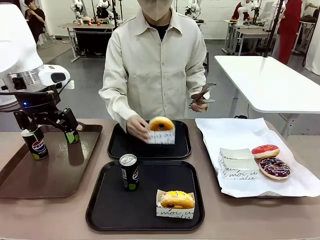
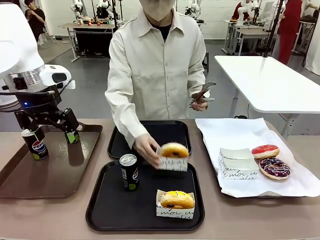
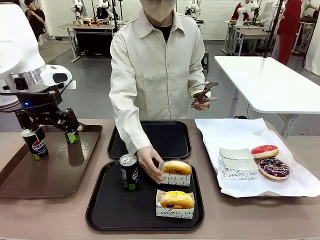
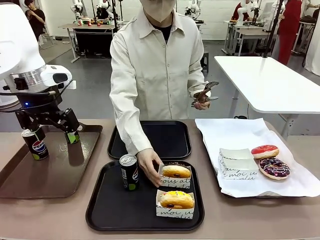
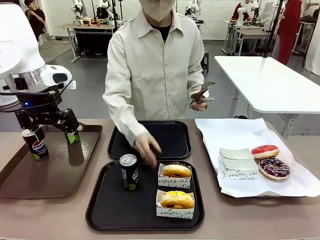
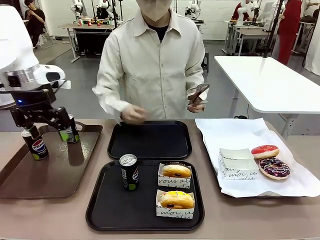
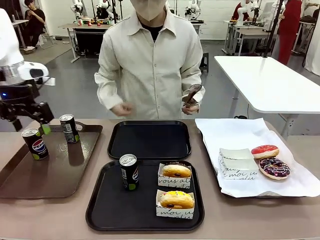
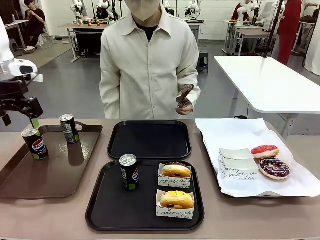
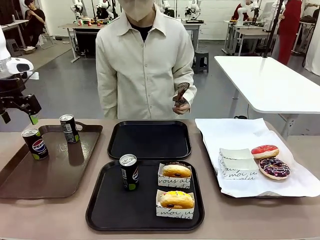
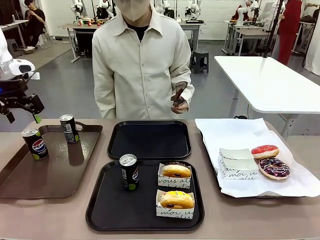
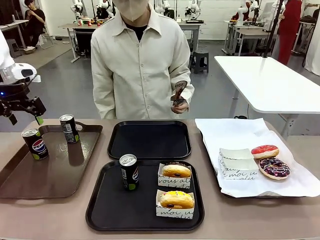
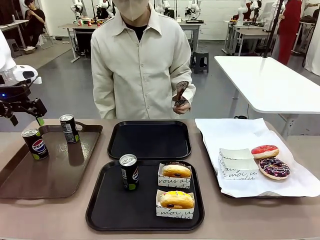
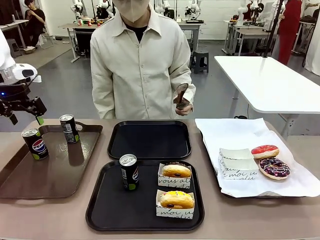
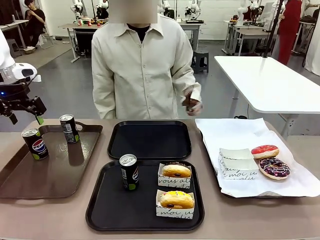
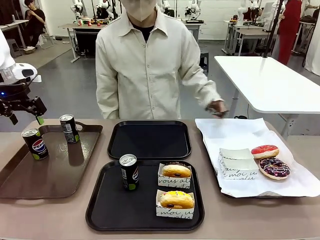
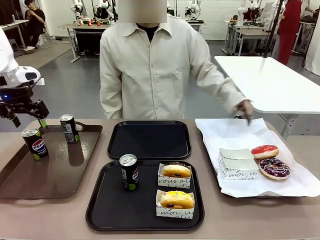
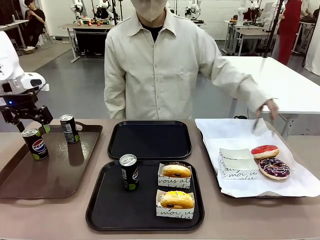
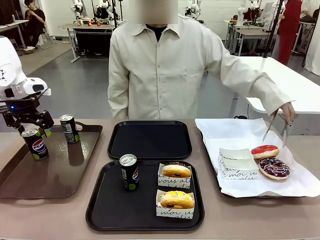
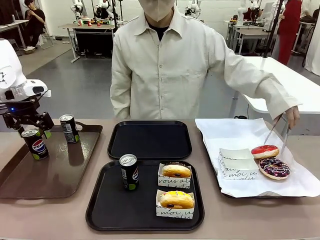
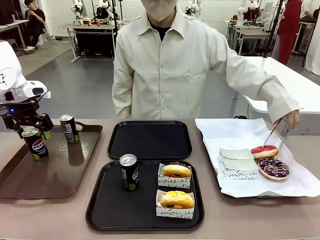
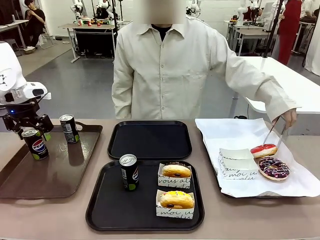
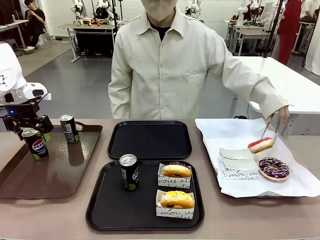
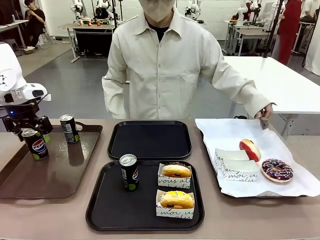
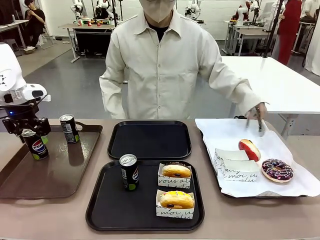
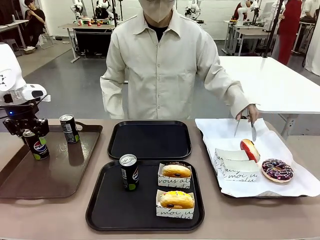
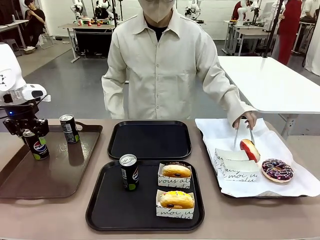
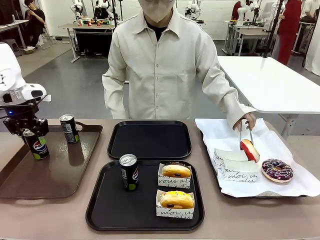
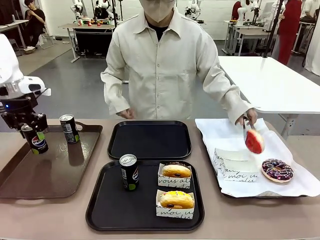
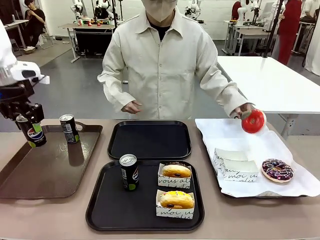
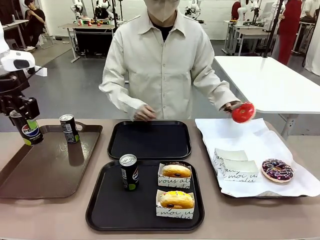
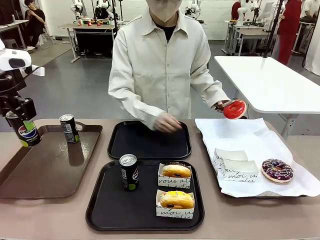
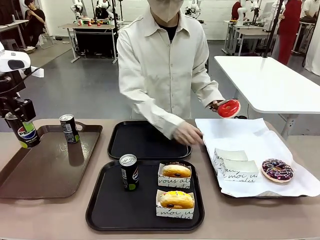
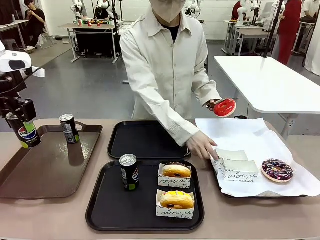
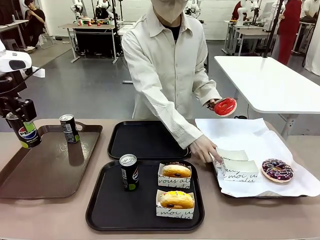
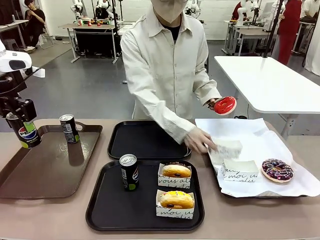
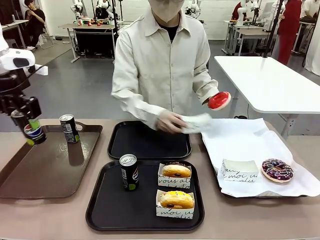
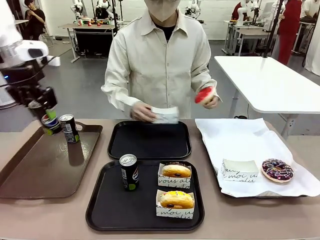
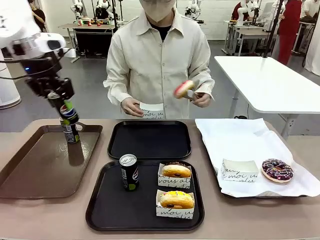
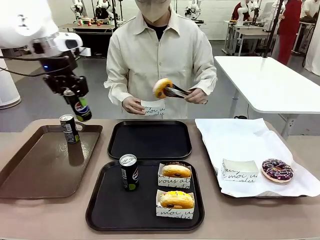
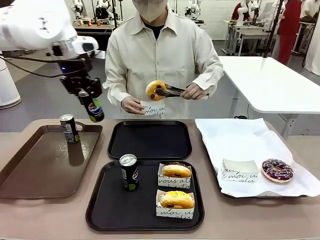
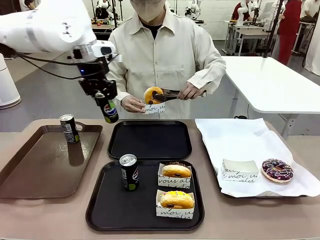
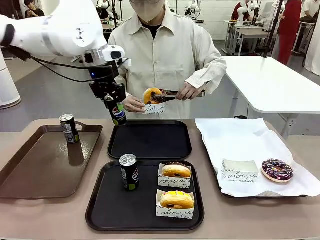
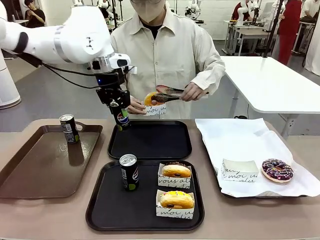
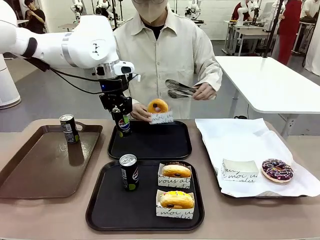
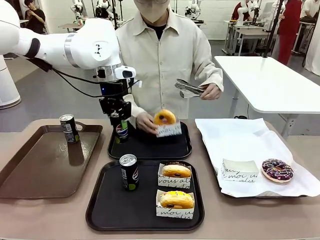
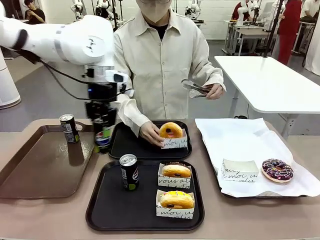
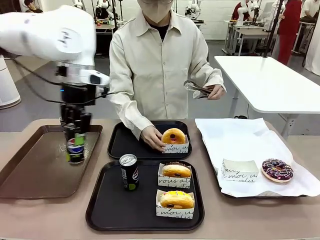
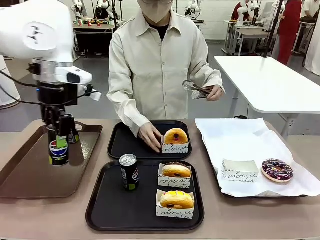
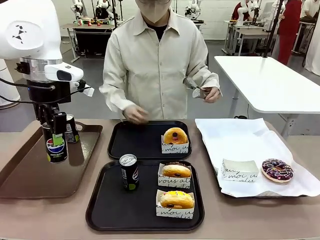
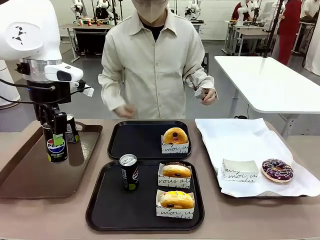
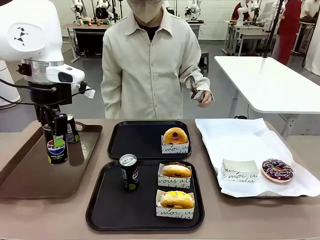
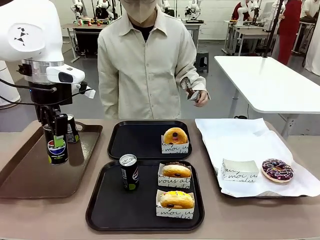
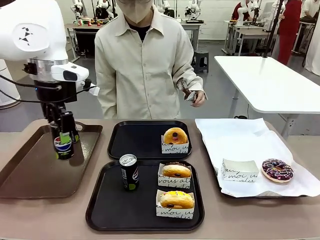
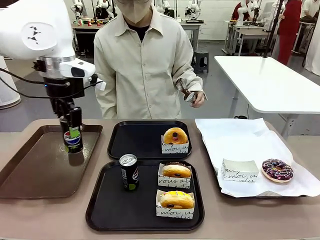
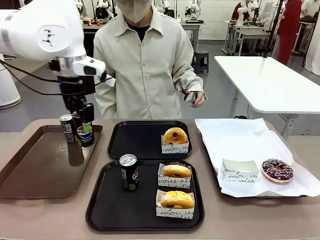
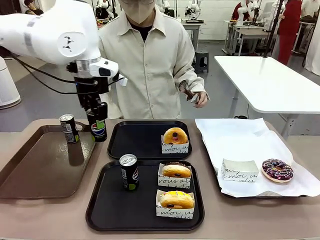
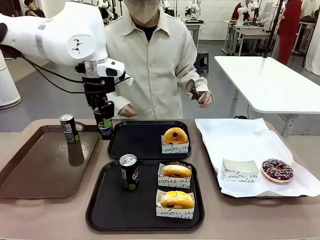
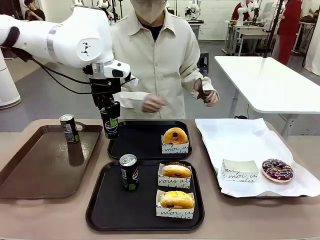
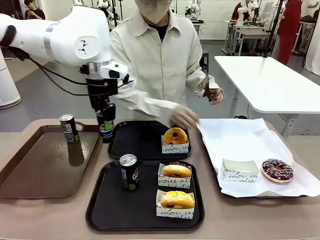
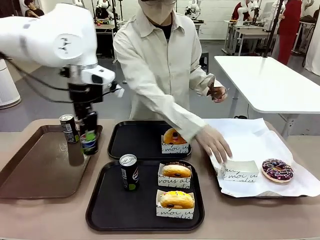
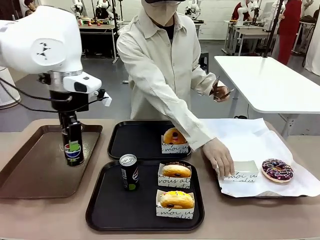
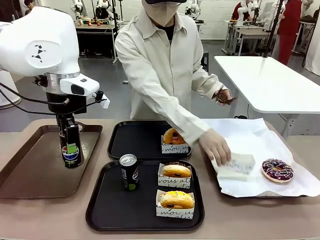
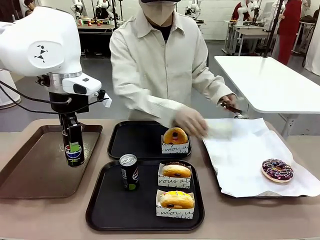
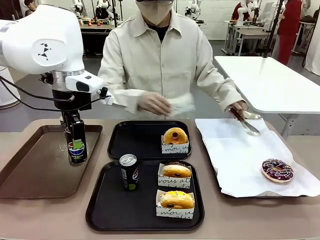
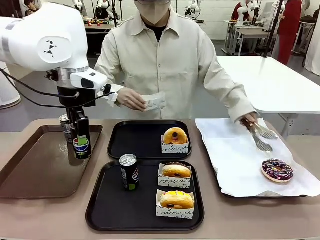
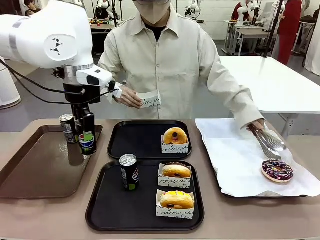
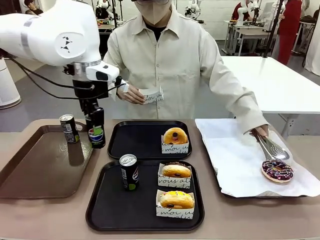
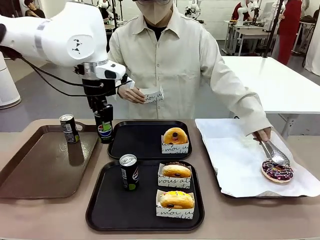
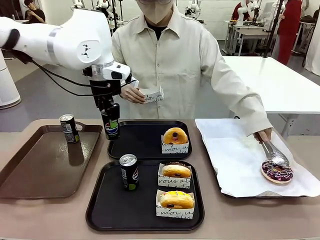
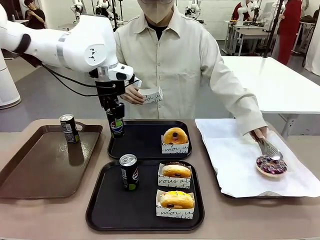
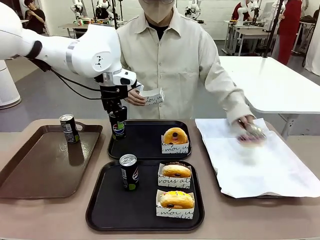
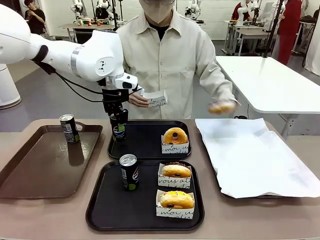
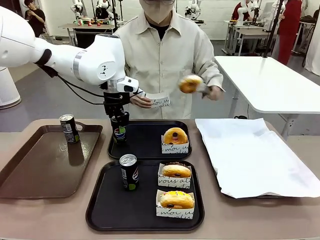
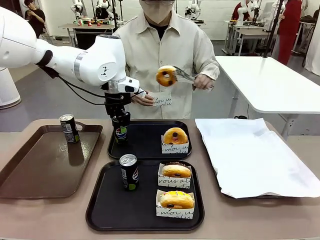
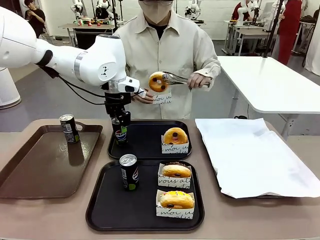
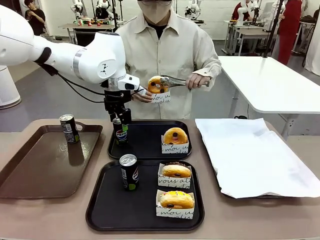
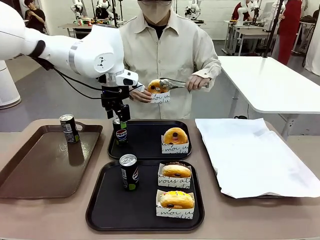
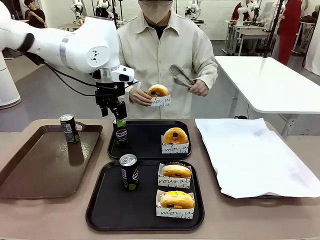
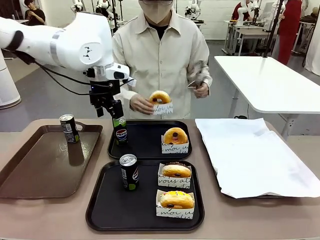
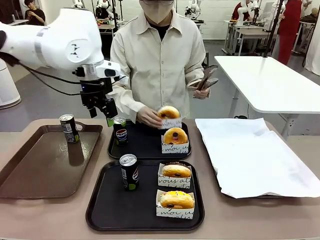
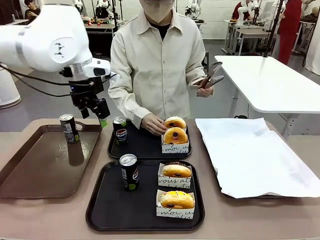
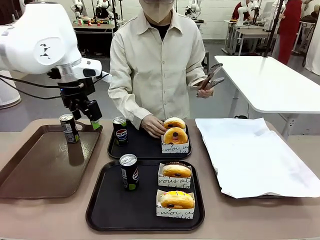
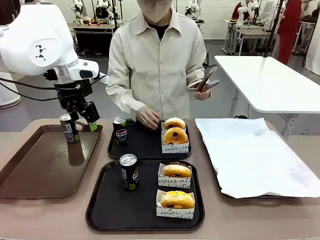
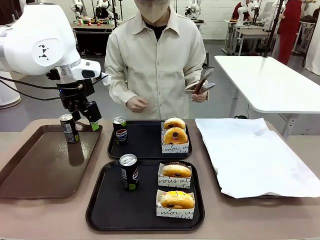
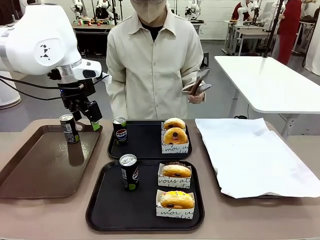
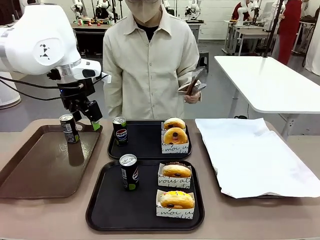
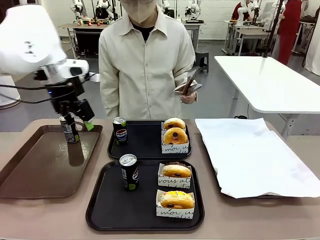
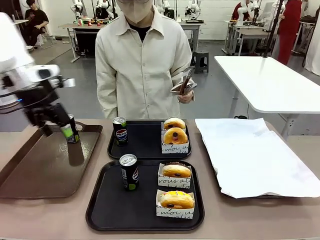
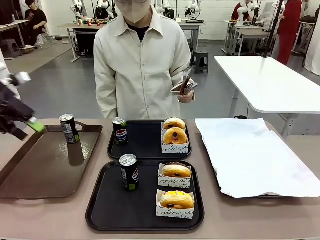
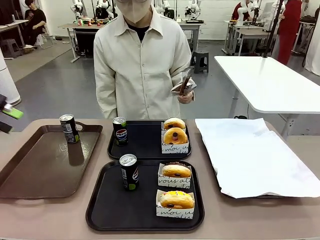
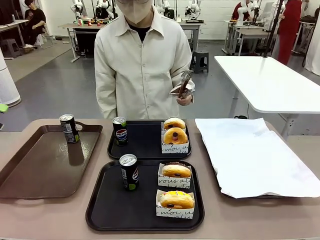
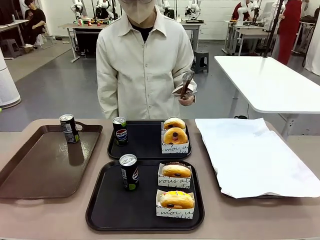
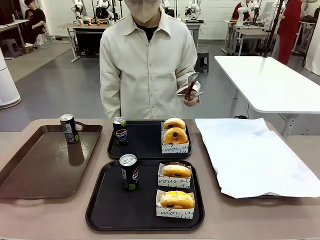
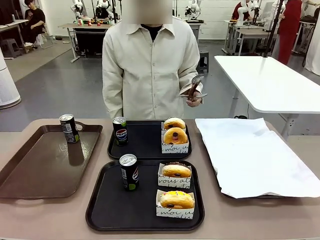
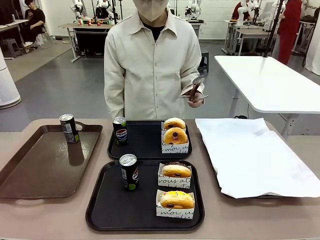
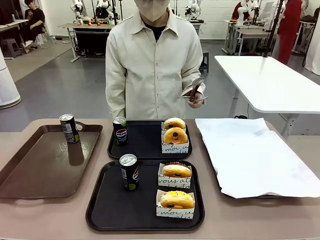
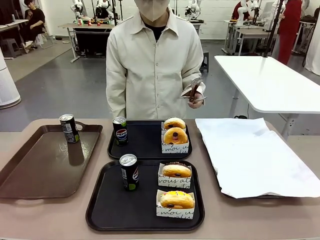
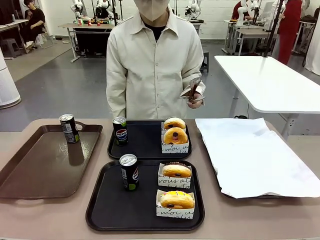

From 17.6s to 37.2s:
Task: Set up donuts and drinks on trays.
Robot: Pick up one Pepsi coke from the Handle tray and place it on the Flat Tray without a Pepsi coke.
Person: Pick up one donut with tongs, place it in the donut tray, and then place the donut tray on the flat tray.
